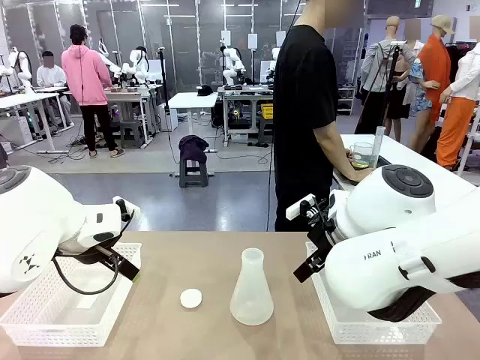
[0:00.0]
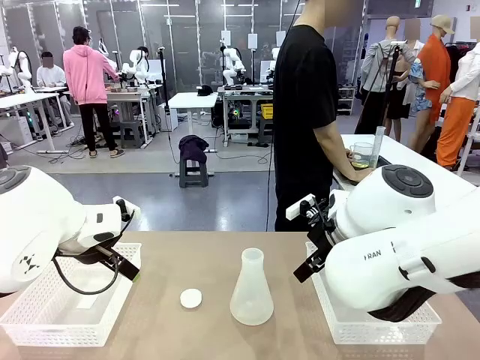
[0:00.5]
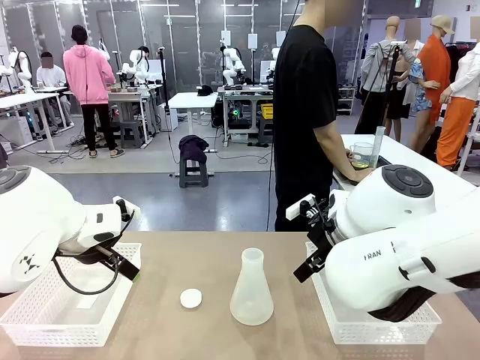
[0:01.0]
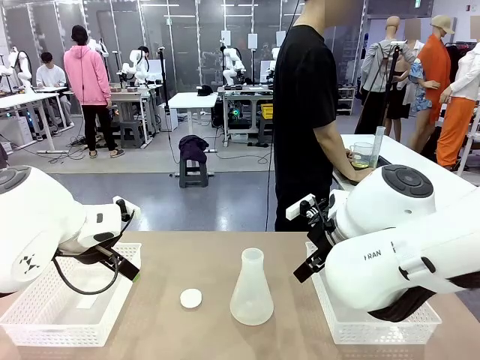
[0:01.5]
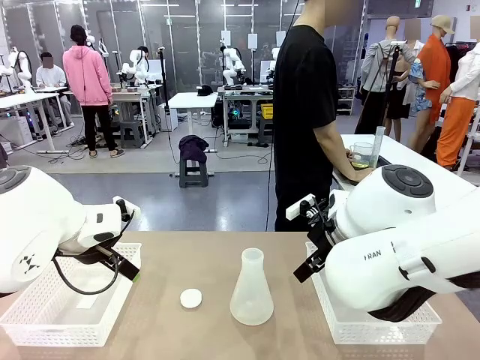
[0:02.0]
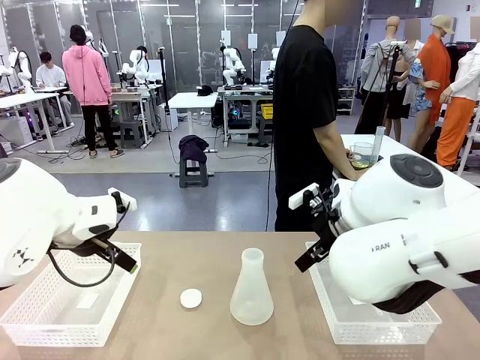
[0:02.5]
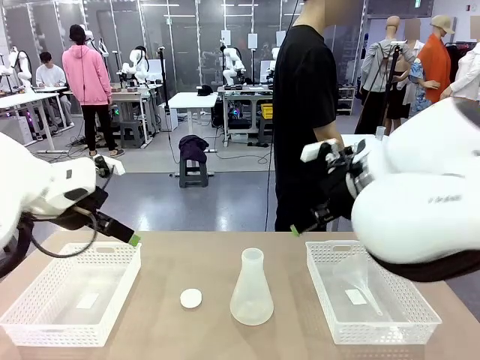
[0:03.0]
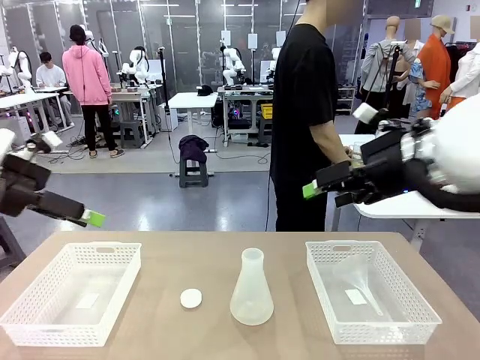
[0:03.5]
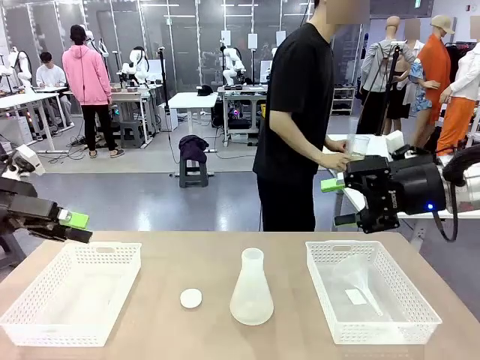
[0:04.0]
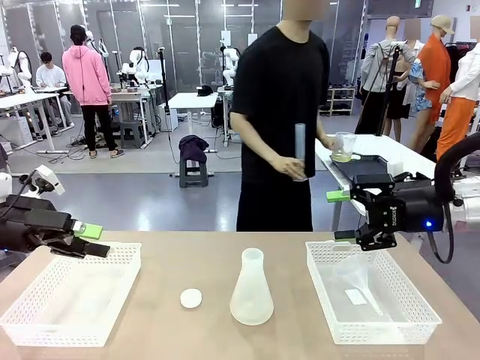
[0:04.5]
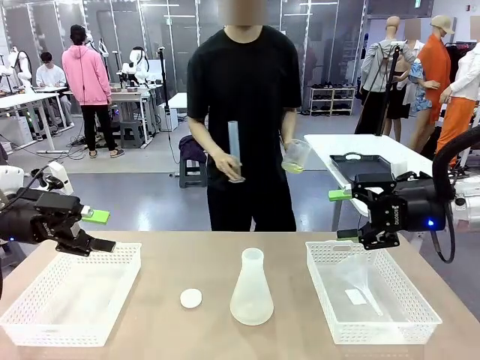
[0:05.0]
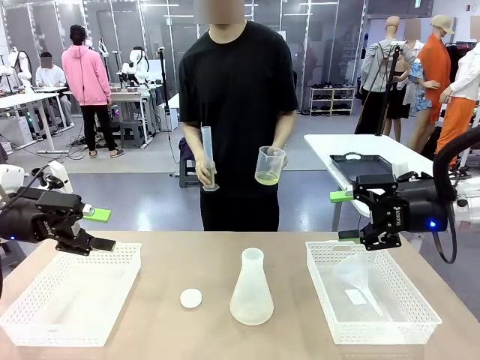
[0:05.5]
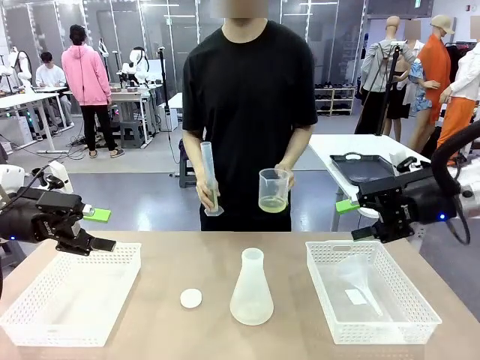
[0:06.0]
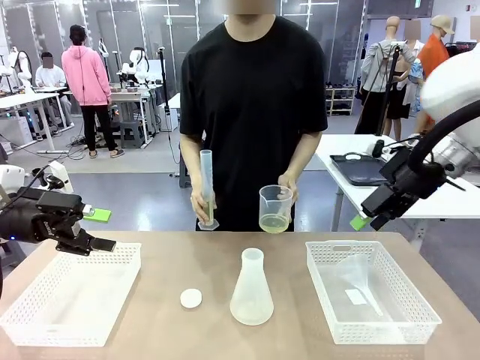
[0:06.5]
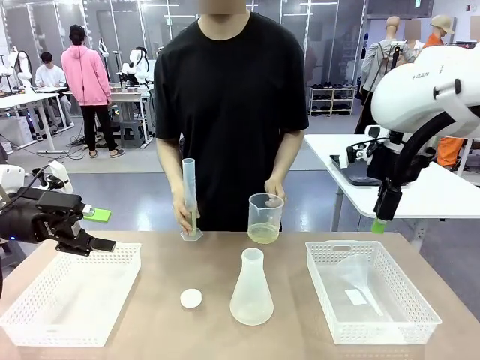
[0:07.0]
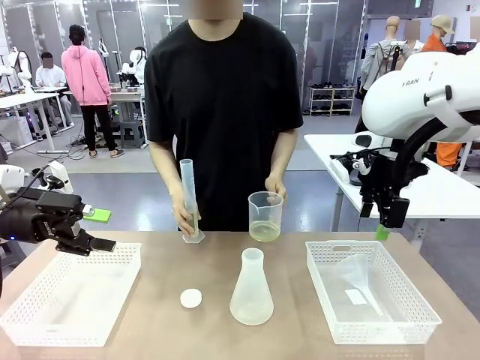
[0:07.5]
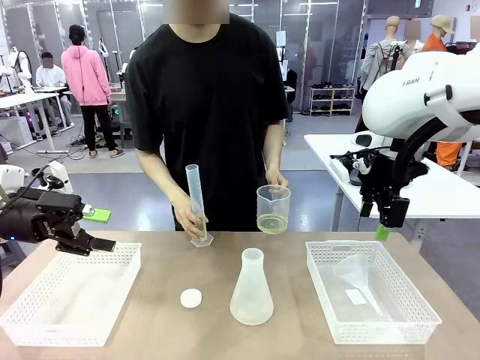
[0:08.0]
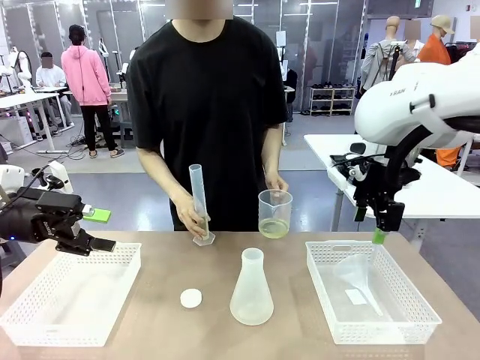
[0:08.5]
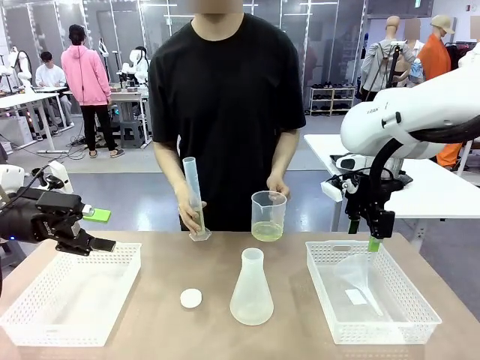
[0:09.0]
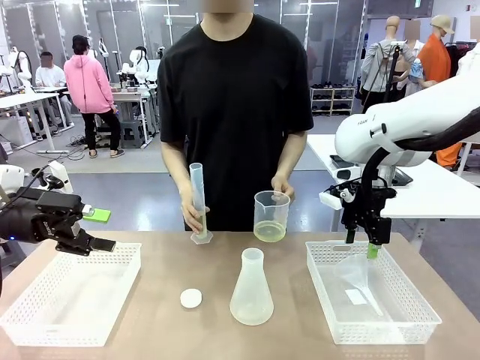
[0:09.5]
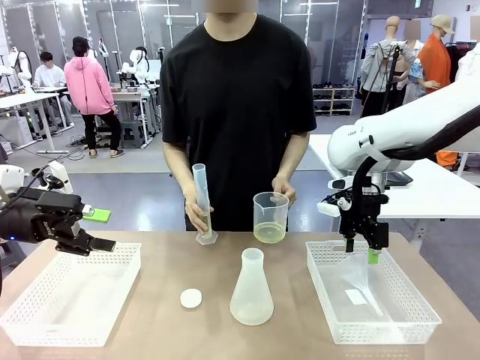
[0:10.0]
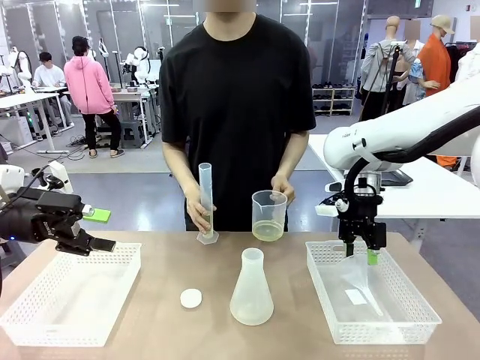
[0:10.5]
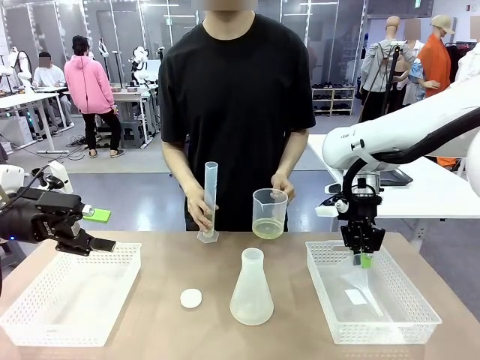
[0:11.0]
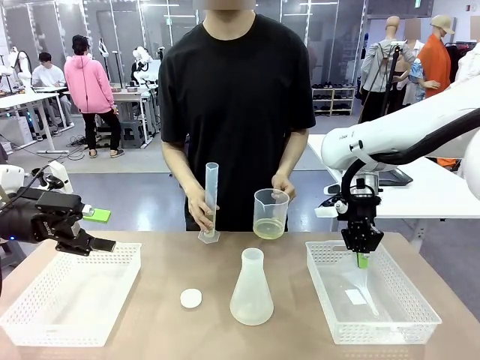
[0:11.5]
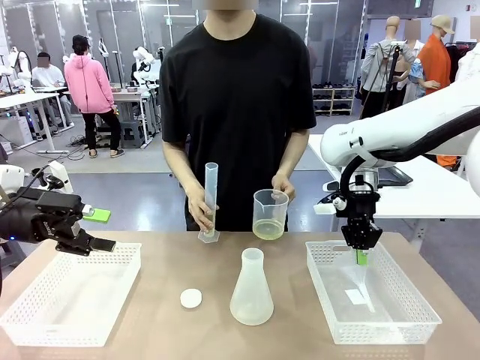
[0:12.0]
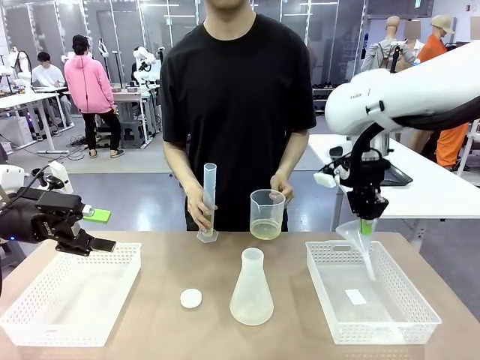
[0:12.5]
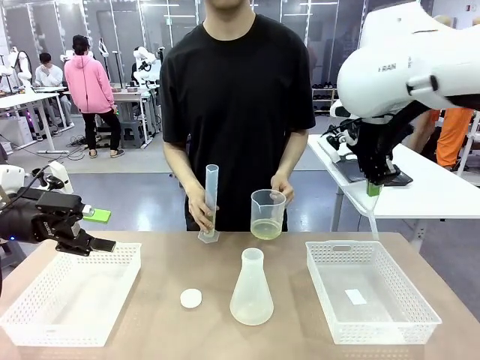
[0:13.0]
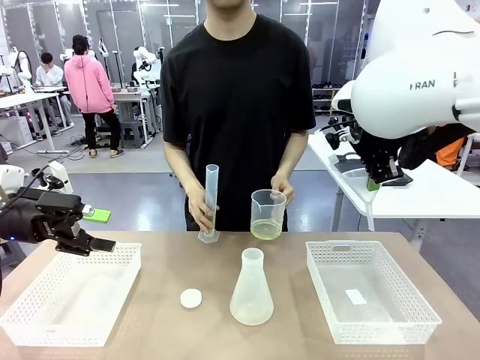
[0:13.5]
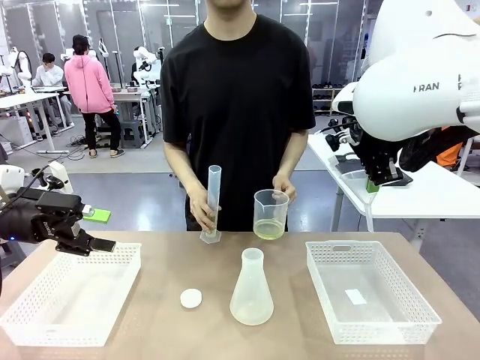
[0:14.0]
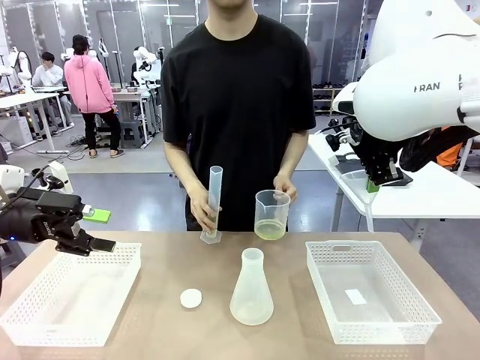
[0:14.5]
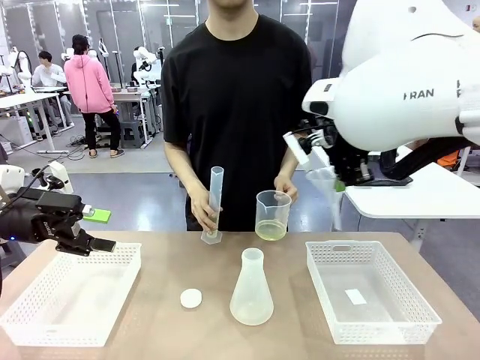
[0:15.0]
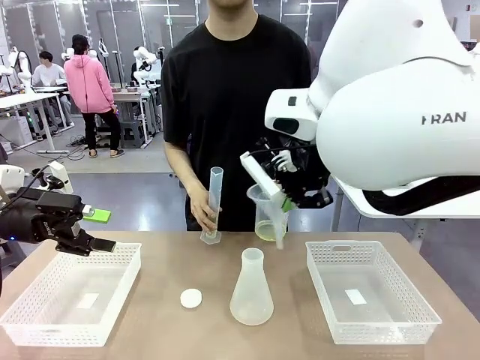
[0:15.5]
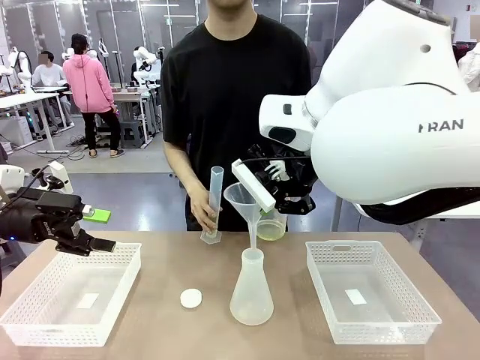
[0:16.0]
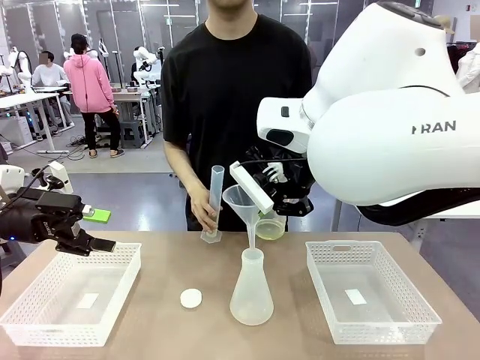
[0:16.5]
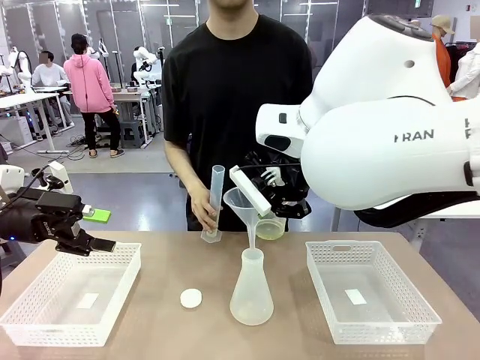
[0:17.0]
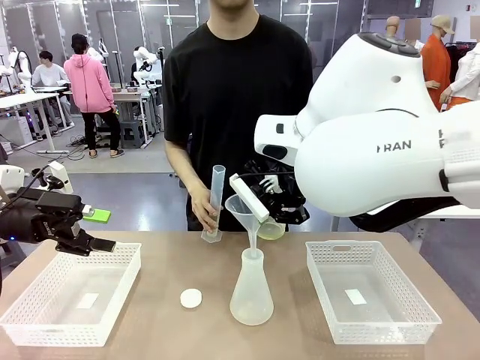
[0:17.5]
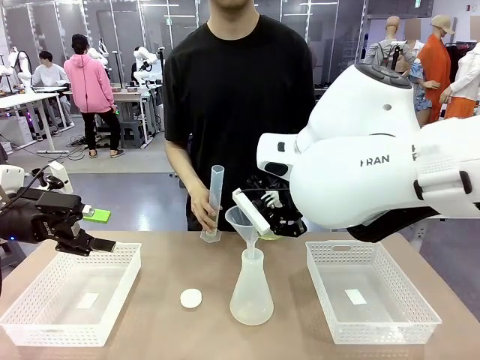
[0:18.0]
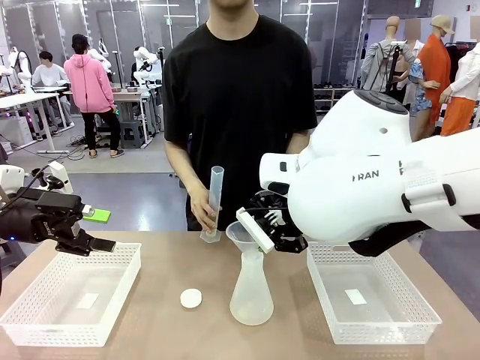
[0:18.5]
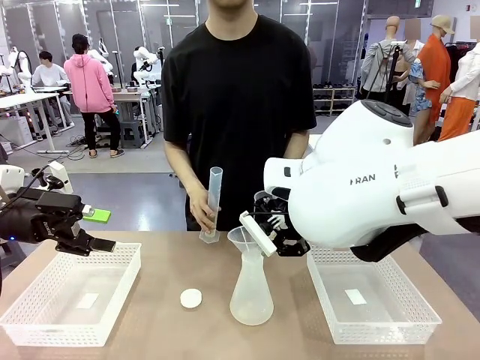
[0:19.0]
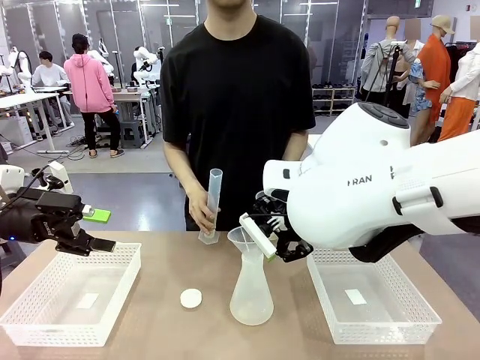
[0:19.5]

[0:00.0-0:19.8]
Task: Prepare the solutions needed for the experiment.
Robot: Pick up the Plastic Funnel and insert it into the Big flask.
Person: Pick up the beaker and the cylinder and move to the middle of the robot table. Pour the solution from the beaker and the cylinder into the flask.
